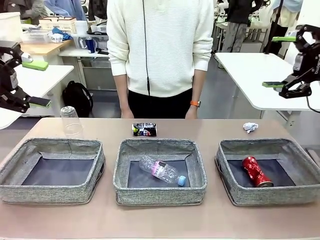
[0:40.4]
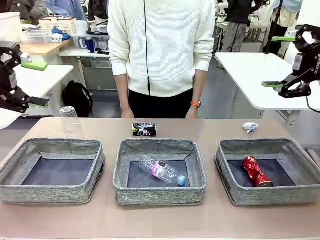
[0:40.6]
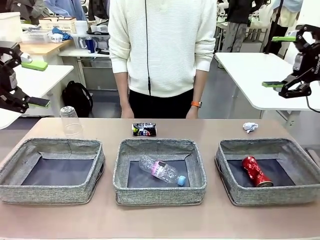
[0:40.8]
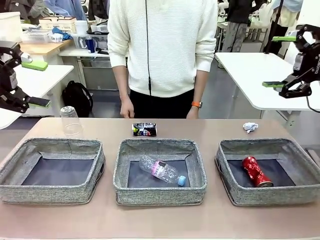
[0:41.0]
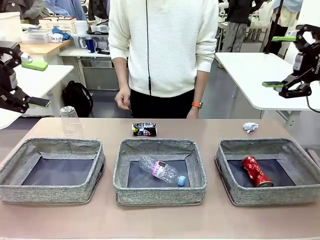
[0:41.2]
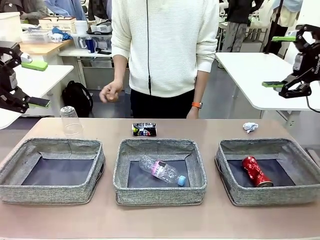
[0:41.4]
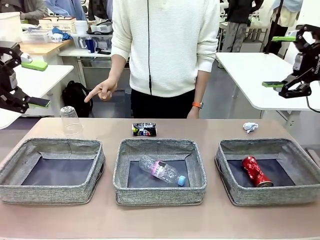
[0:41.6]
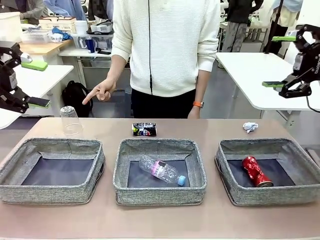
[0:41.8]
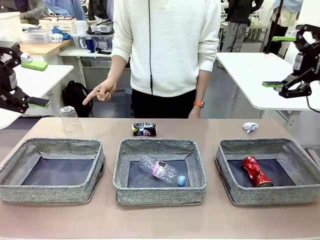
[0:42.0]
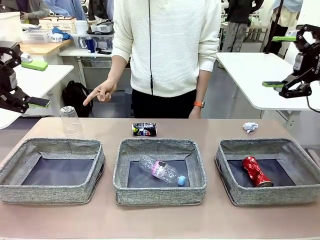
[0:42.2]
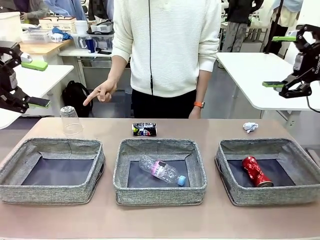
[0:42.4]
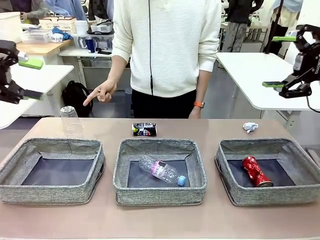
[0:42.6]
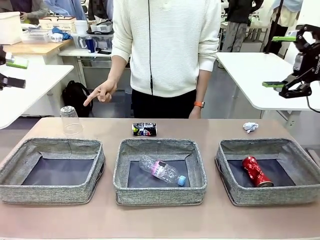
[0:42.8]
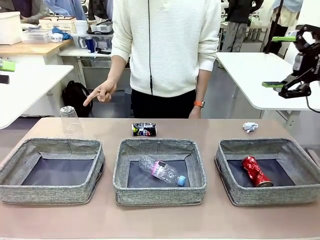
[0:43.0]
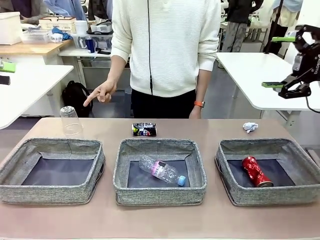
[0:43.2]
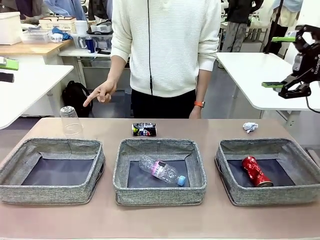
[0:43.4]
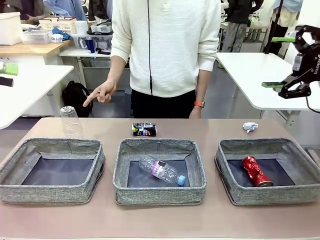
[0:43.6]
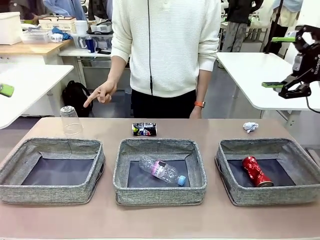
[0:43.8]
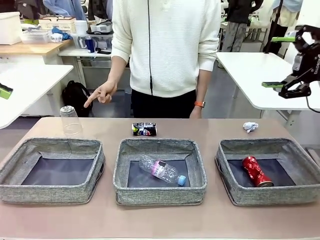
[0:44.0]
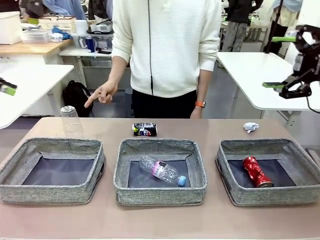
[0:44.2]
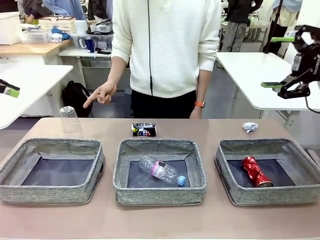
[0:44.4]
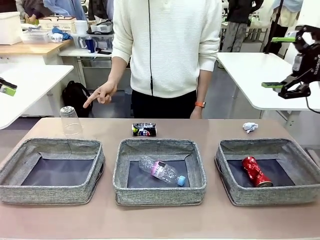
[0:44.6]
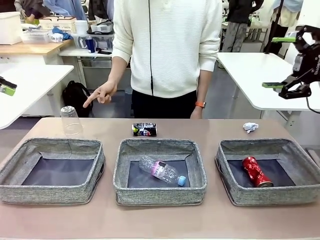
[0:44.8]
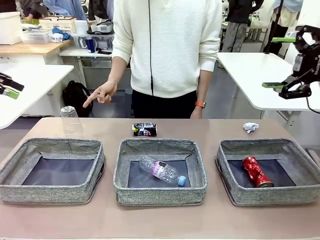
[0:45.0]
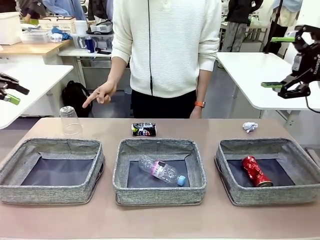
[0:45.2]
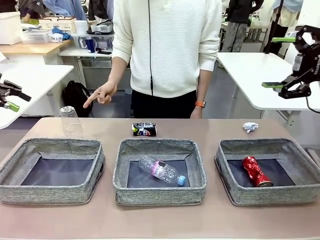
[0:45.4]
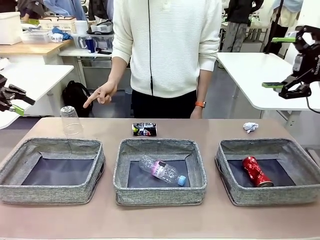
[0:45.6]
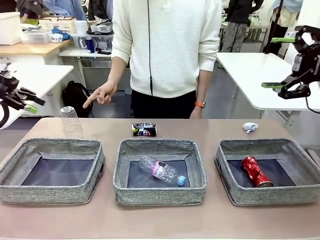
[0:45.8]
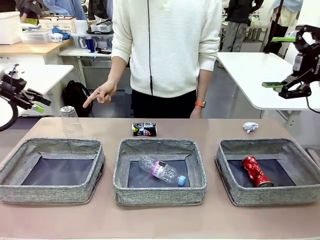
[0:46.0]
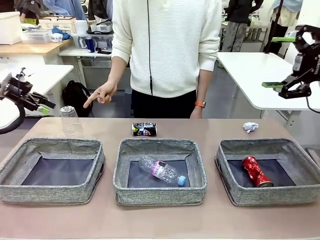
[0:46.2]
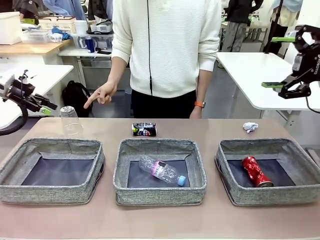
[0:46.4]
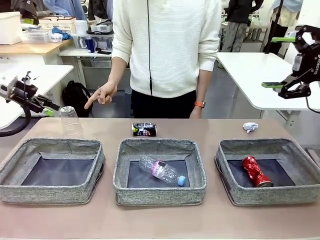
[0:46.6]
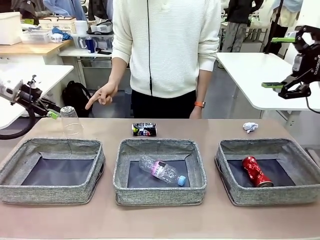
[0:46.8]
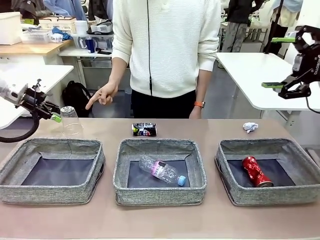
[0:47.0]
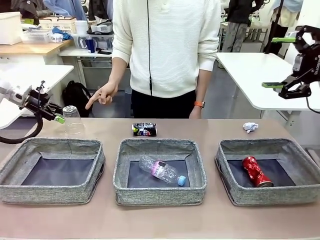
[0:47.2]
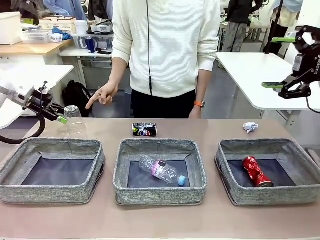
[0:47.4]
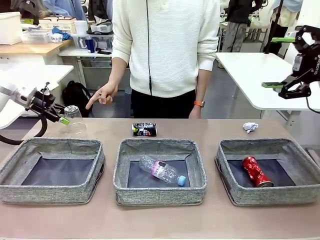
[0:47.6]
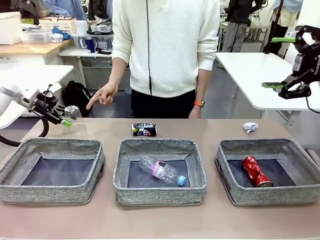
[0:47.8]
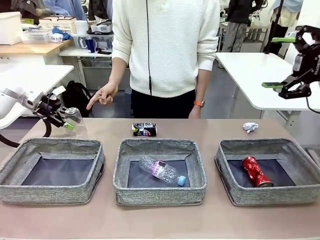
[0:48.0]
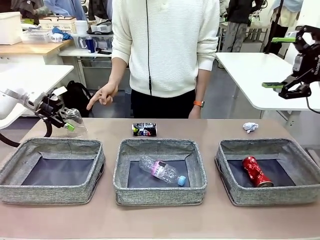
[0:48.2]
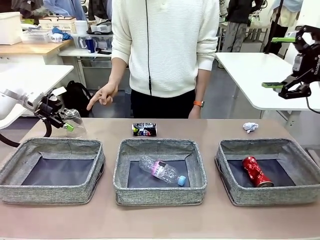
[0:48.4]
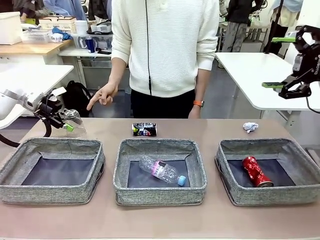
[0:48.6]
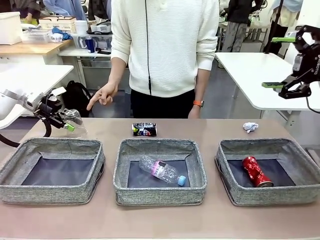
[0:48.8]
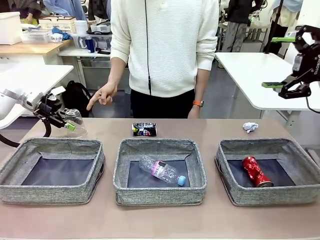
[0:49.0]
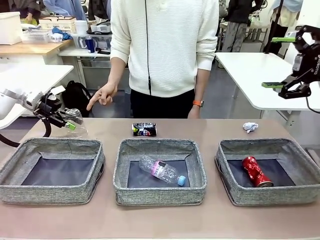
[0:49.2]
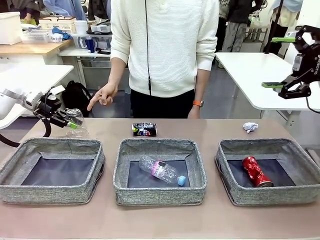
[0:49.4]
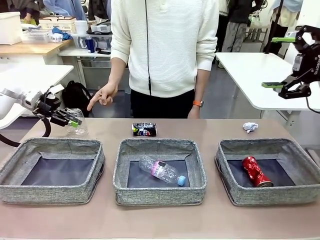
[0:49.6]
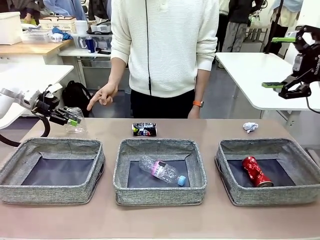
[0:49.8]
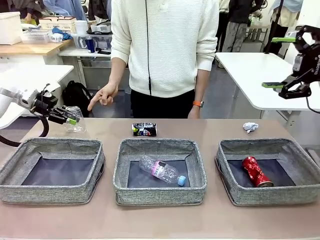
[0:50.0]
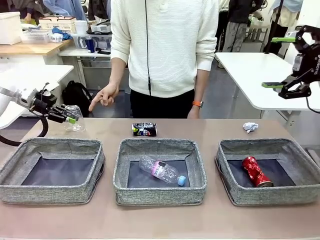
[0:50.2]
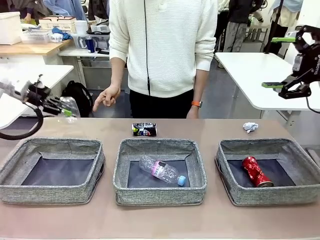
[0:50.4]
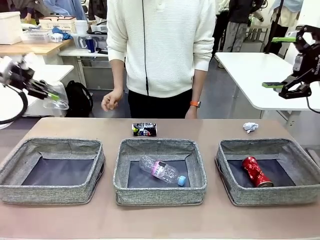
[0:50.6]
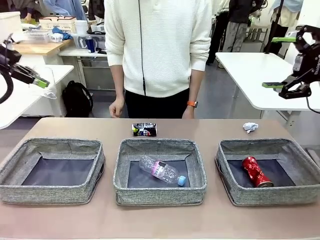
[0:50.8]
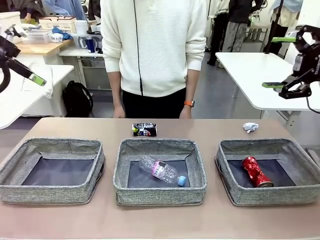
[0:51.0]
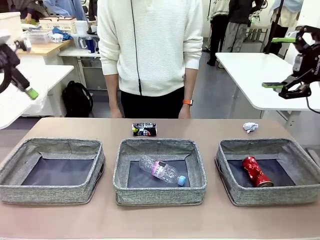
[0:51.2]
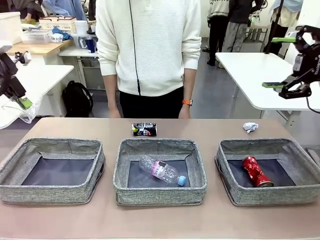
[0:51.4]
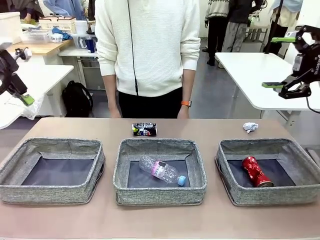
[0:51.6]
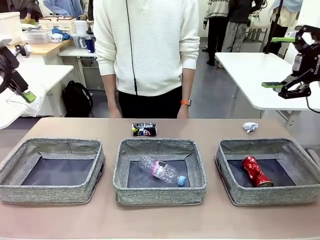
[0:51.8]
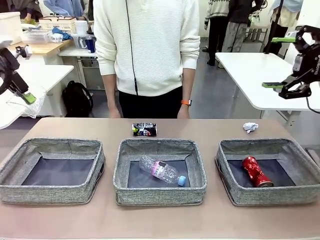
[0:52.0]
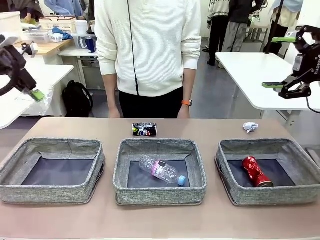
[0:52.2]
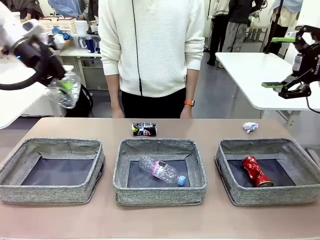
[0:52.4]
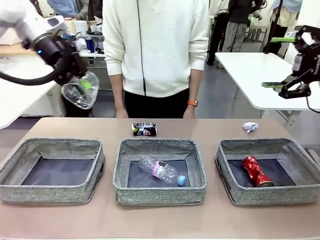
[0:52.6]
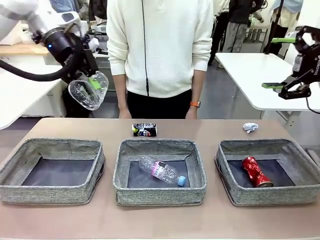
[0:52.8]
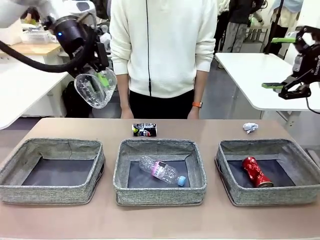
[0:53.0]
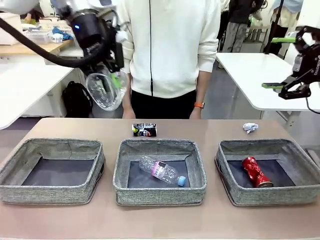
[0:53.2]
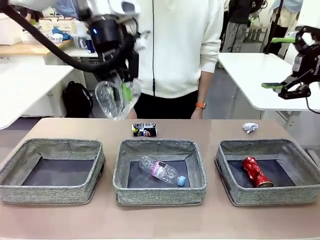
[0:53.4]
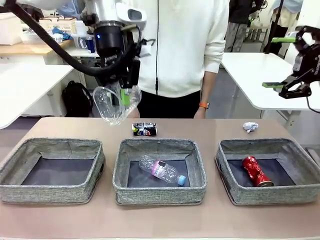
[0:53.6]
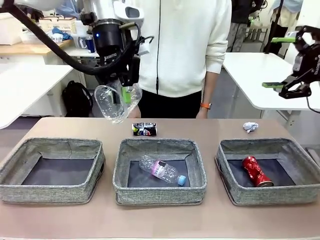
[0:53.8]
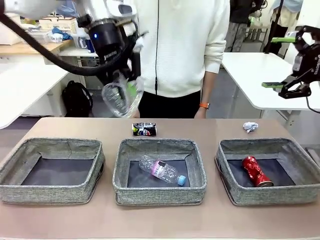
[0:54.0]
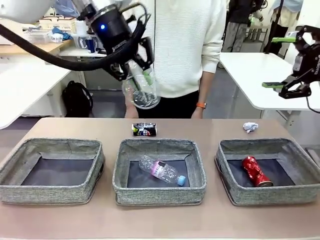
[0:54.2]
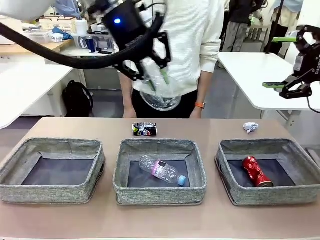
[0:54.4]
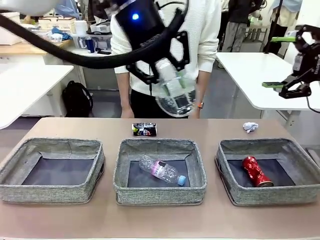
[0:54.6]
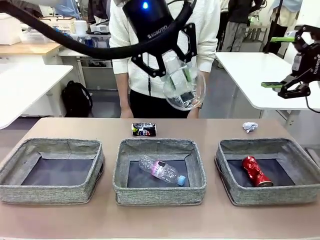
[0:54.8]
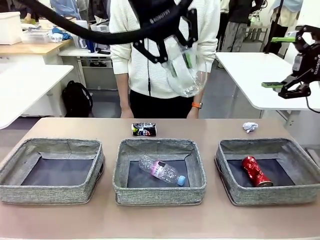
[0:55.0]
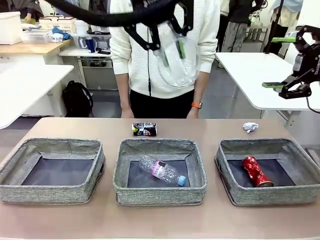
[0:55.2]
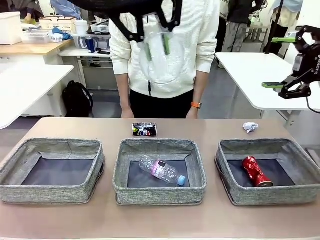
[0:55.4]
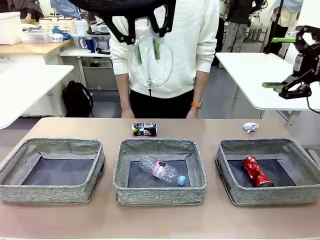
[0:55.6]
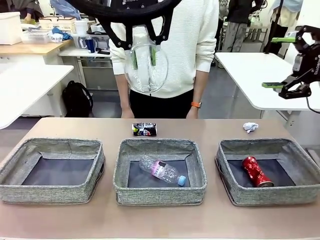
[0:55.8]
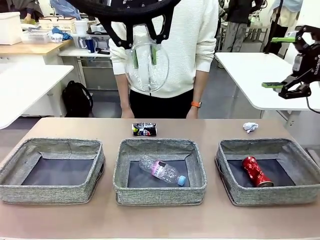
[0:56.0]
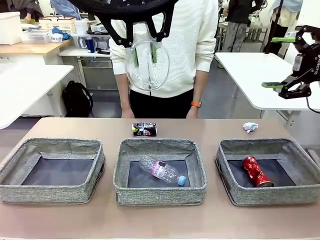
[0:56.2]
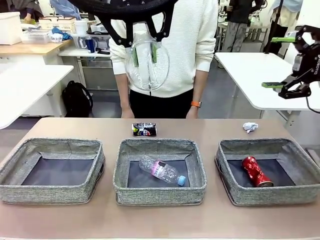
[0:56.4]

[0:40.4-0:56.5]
Task: Sort the waste into the appropriate baskets.
Robot: Pick up the waste item pointed out by the person.
Person: Points to one piece of trash on the table.

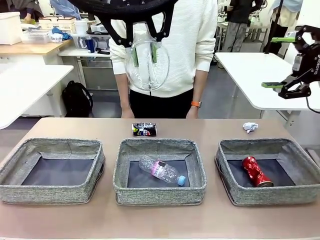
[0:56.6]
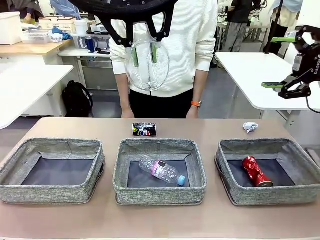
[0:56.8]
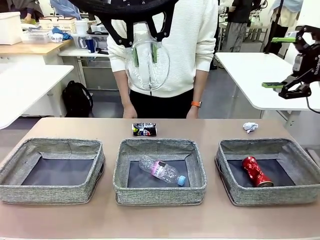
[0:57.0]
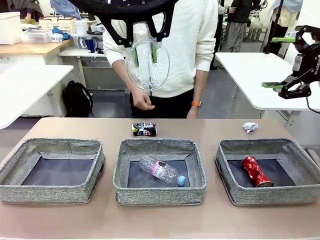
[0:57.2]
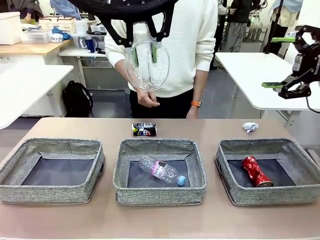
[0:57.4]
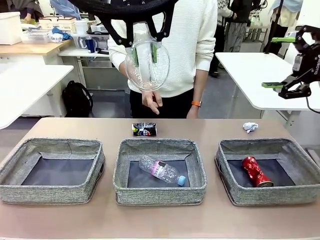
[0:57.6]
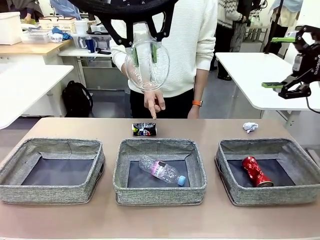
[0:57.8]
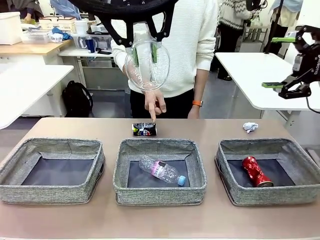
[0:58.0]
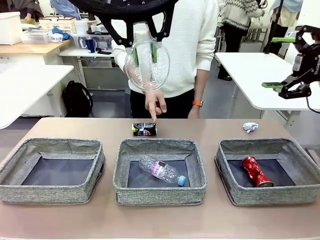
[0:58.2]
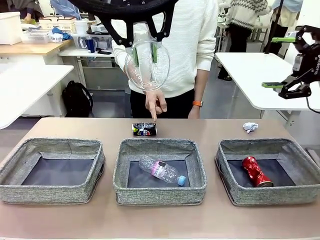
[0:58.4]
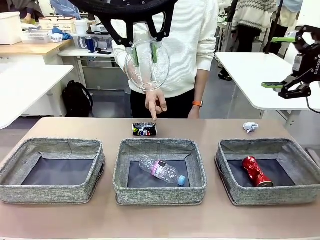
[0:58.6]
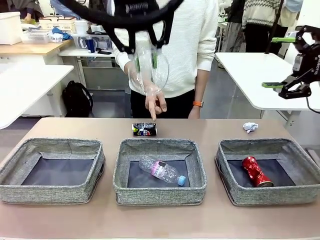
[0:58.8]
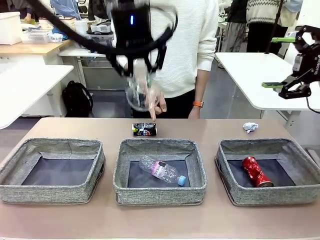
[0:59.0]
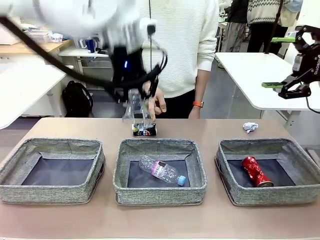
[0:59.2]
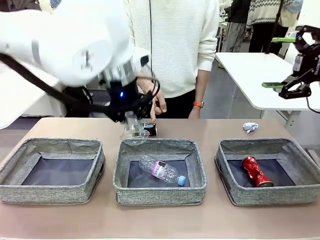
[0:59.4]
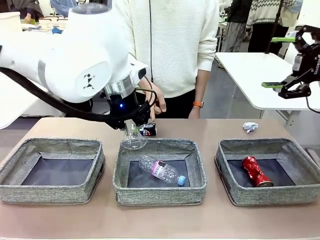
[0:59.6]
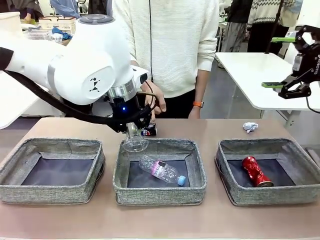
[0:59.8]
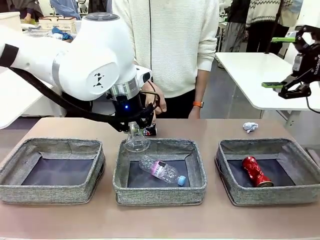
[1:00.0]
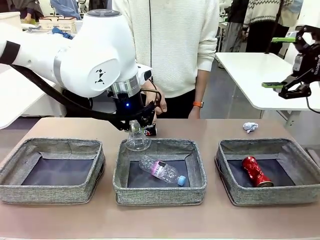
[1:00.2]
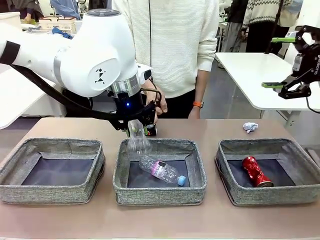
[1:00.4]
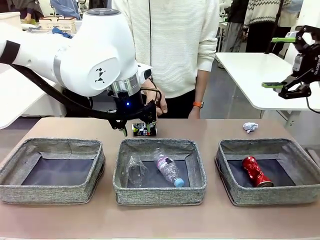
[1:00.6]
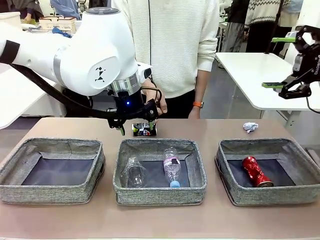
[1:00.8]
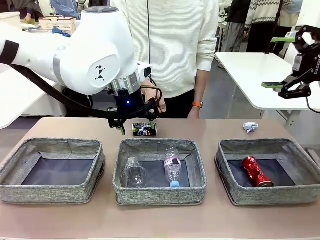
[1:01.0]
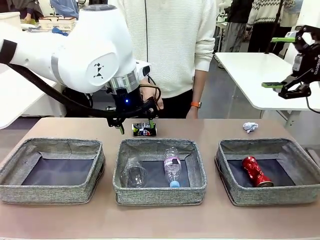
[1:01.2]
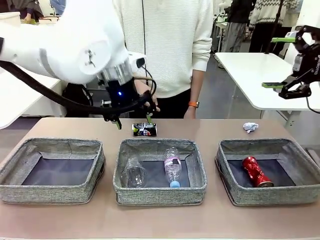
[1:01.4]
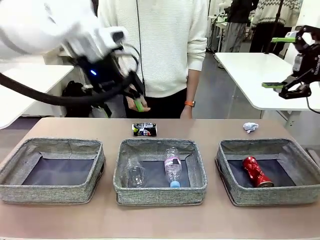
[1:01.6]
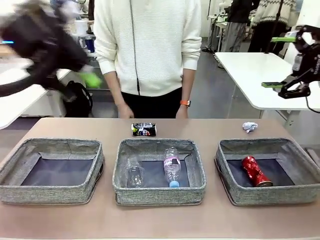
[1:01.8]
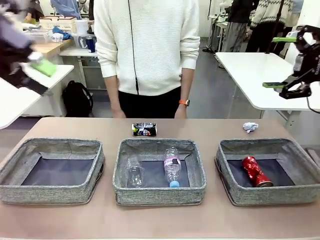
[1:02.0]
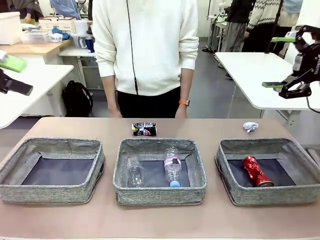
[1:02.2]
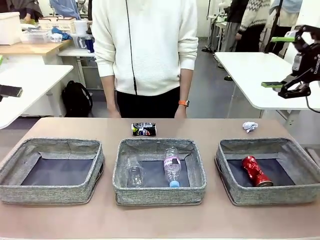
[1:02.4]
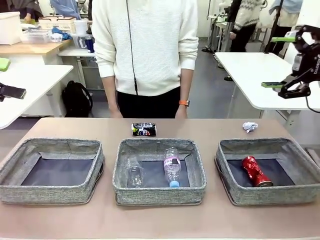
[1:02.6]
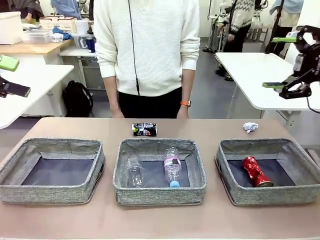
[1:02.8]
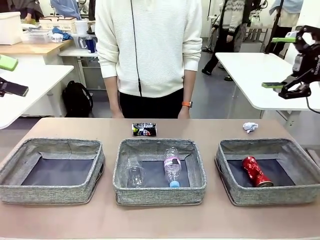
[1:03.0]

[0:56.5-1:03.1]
Robot: Place the picked waste into the Fabric basket indicated by the person.
Person: Instructs the robot to place the picked-up trash into the appropriate organizing basket.
